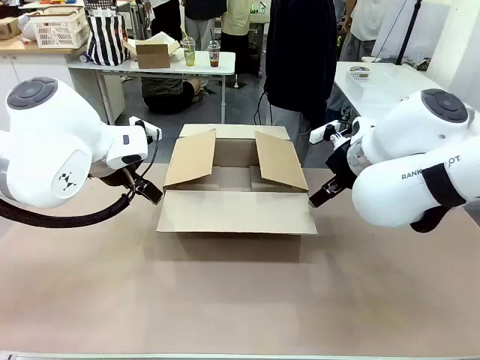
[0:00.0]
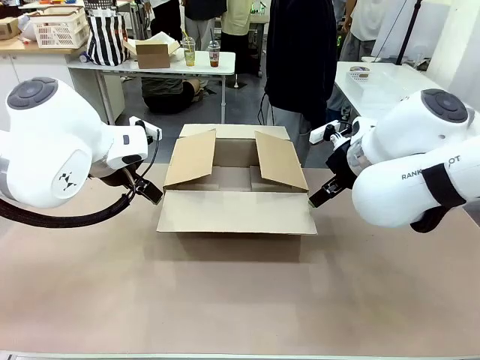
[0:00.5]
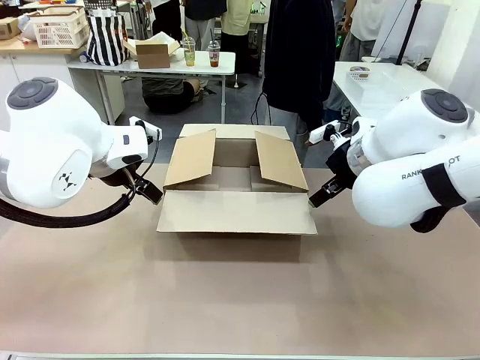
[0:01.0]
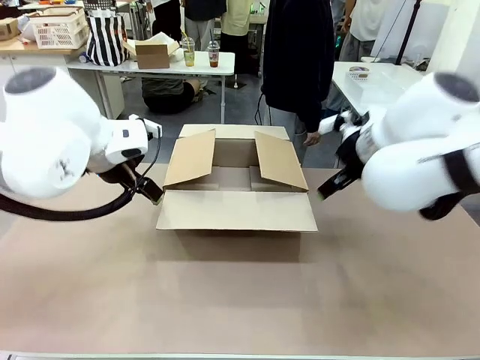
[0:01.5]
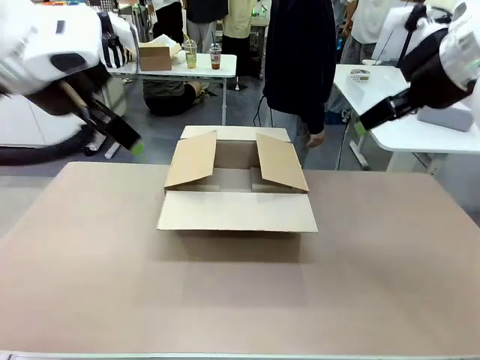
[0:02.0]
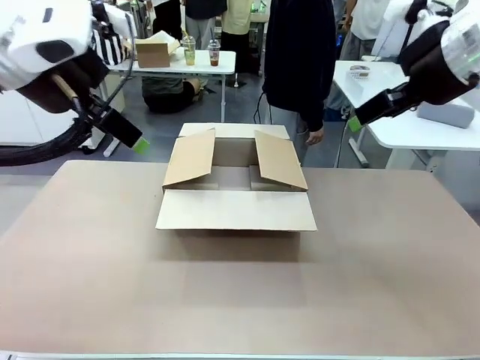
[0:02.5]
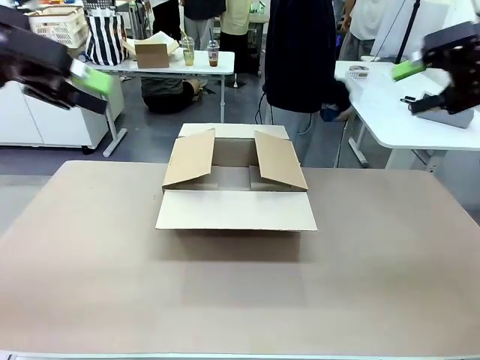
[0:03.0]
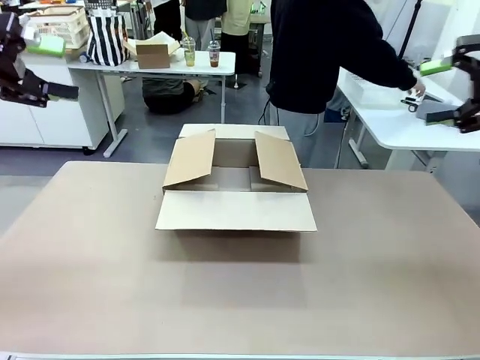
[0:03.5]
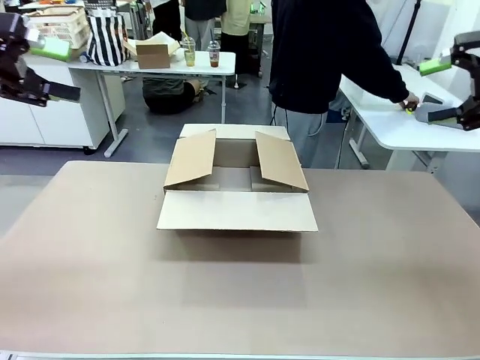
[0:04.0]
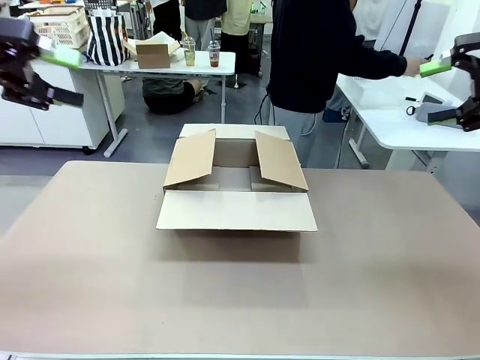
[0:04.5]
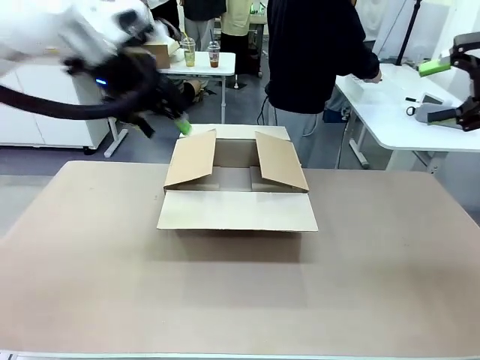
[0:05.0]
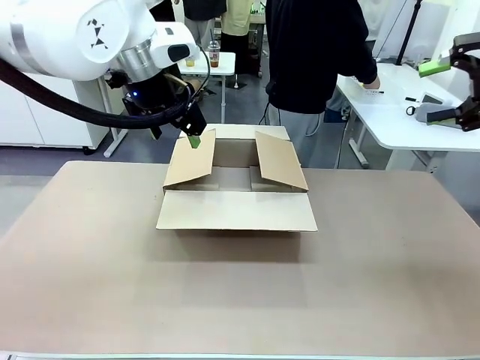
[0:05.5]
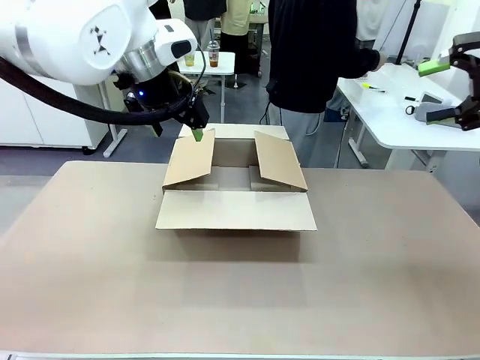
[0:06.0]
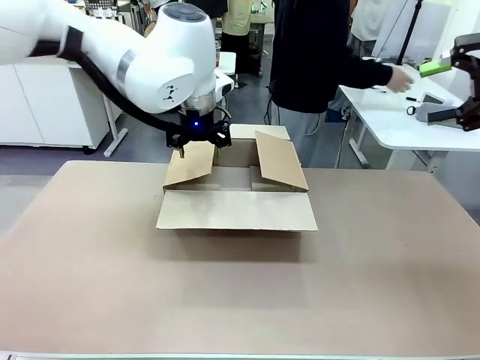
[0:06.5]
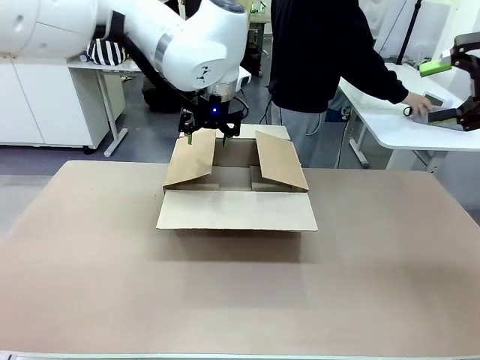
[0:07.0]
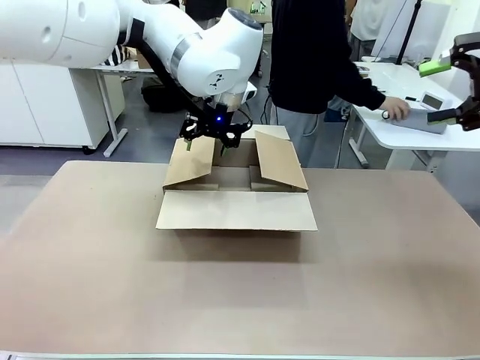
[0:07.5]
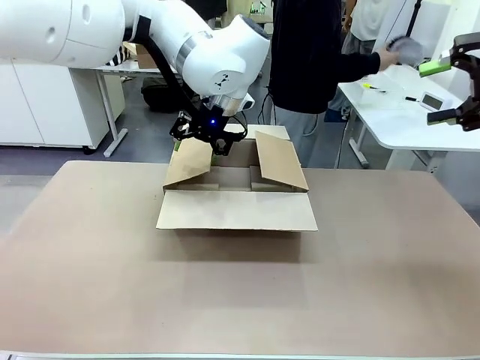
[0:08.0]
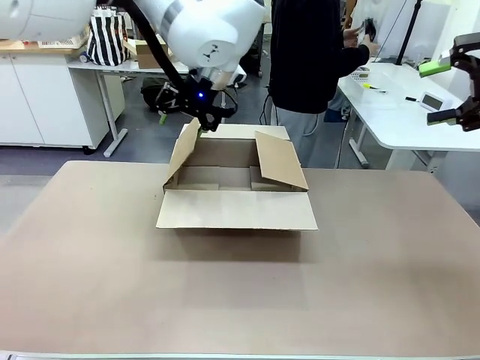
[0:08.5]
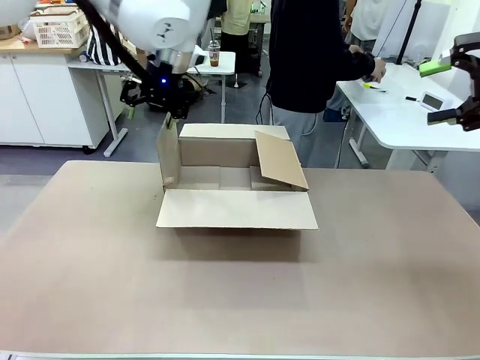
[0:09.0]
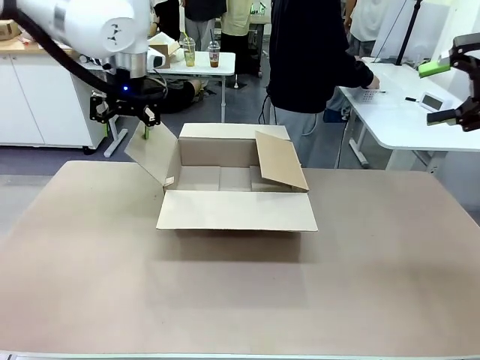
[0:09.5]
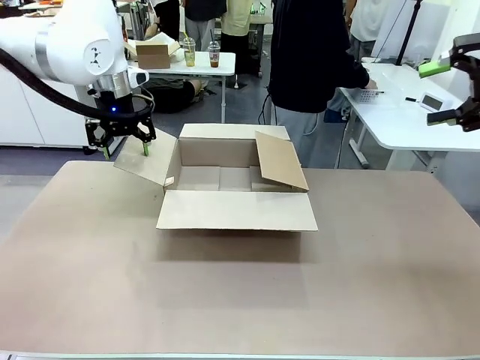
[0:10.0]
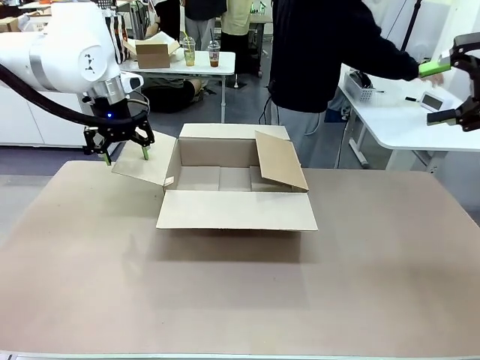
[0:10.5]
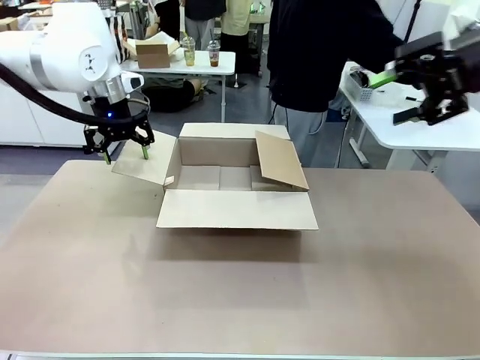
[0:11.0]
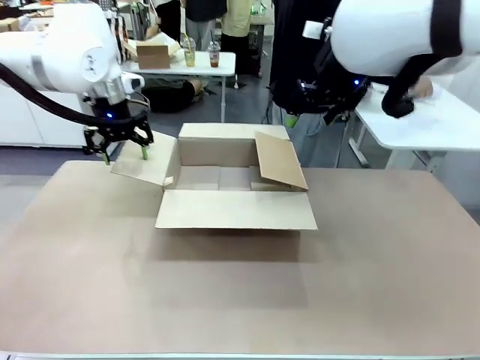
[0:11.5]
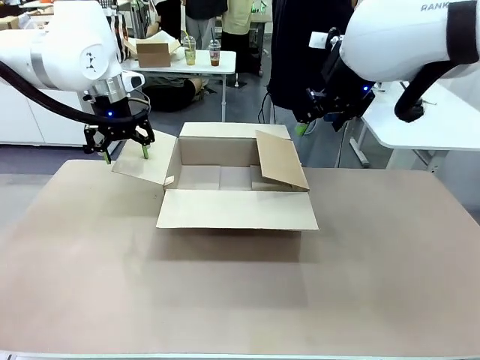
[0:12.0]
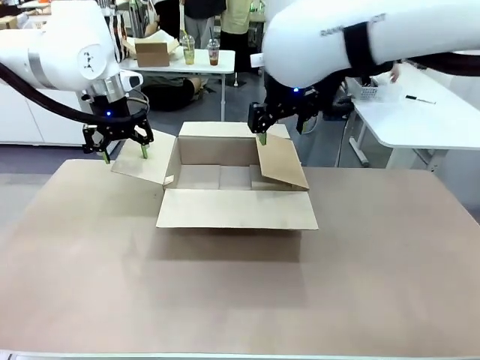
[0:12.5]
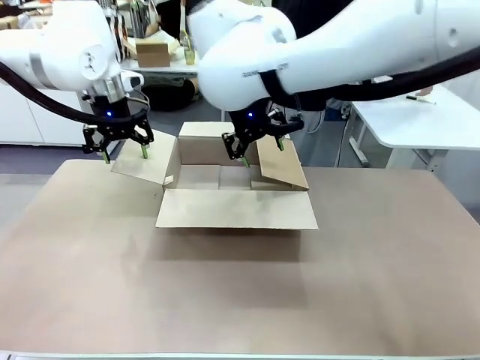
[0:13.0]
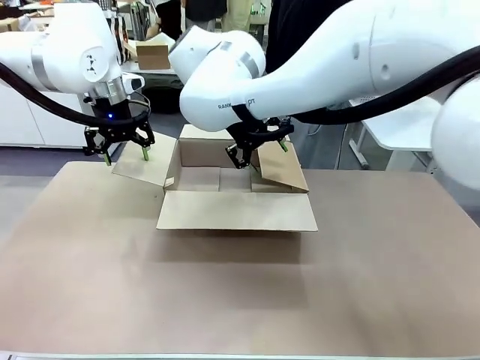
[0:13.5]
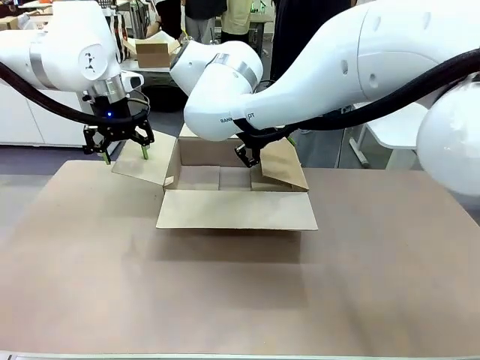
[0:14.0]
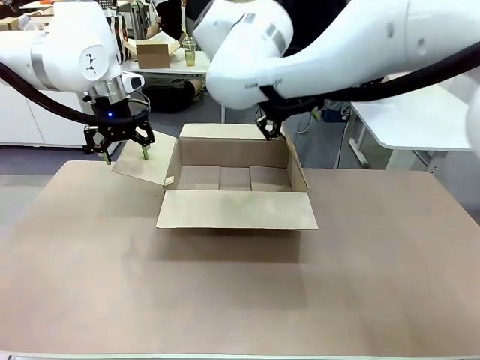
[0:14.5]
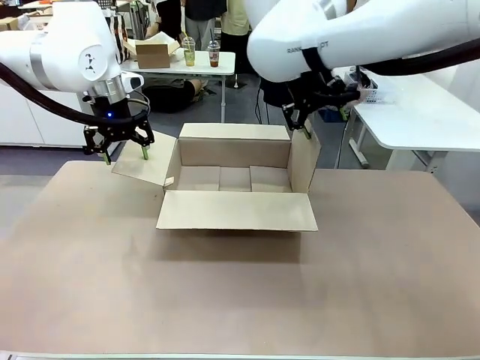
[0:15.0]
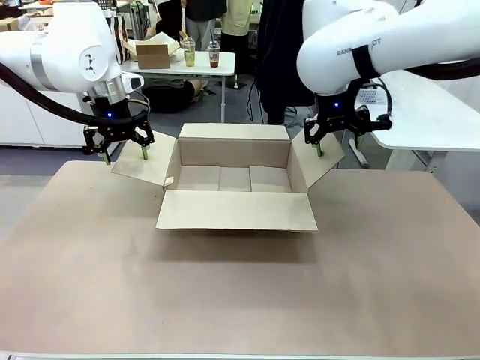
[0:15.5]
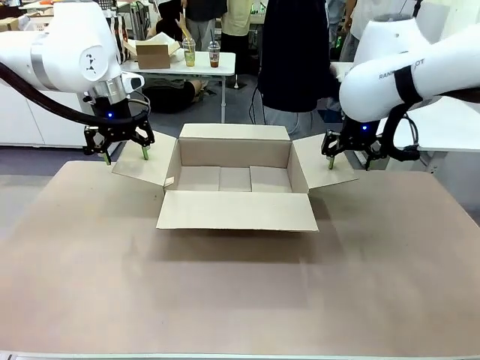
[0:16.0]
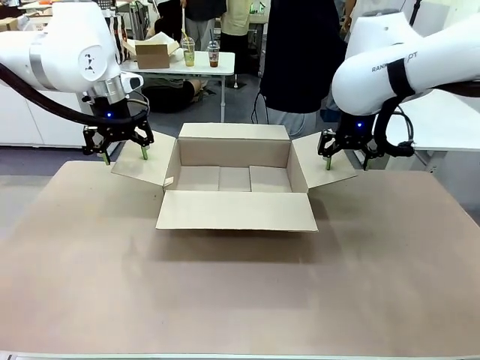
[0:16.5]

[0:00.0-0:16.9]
Task: Pack the gift set into the box.
Robot: Place both hands on the side flaps of the Package Box and spread them outward.
Person: The human places all items except the paper tape into the organizing basket.

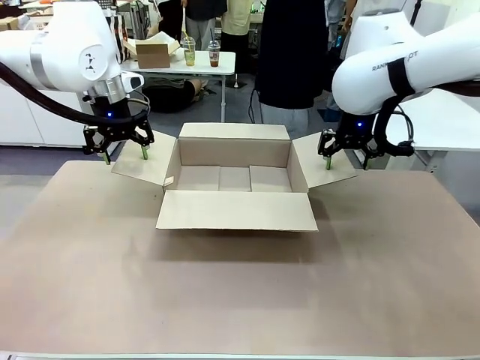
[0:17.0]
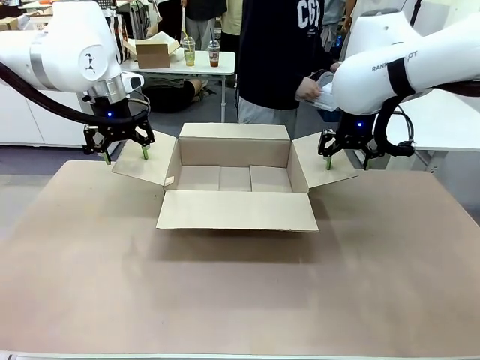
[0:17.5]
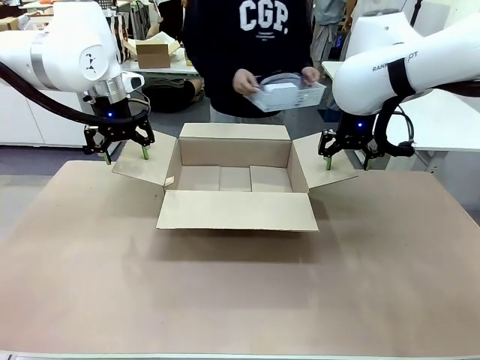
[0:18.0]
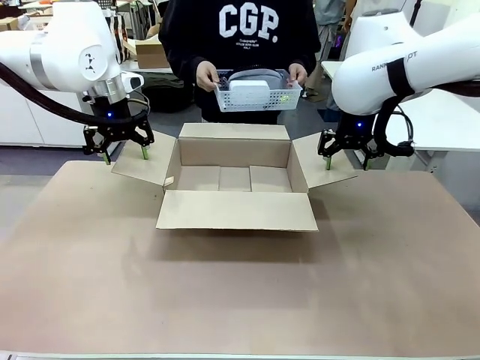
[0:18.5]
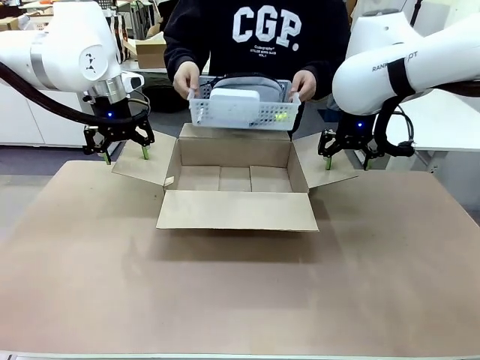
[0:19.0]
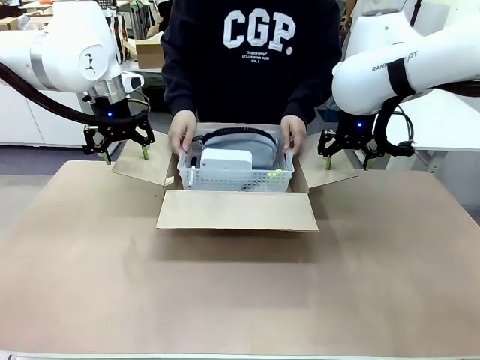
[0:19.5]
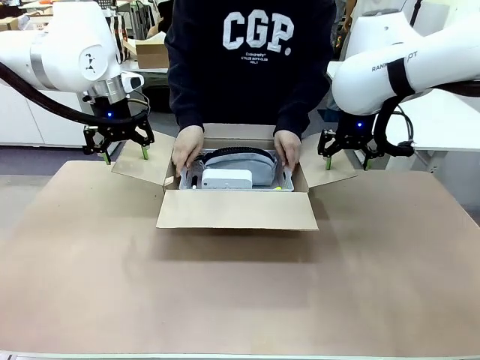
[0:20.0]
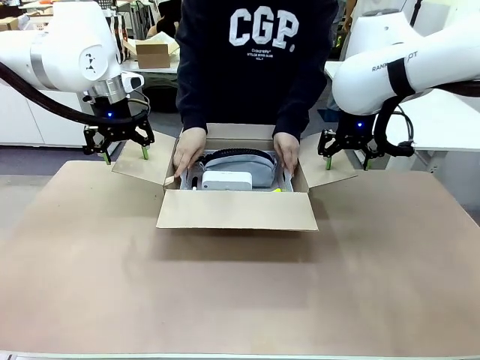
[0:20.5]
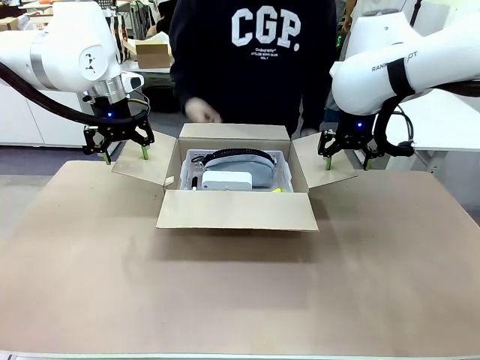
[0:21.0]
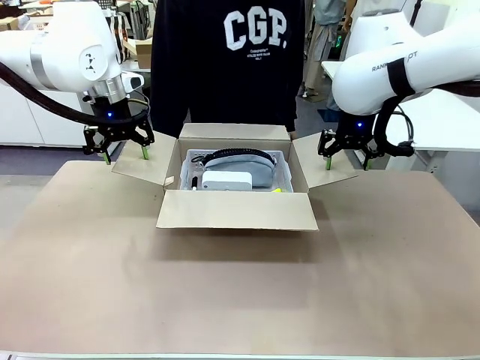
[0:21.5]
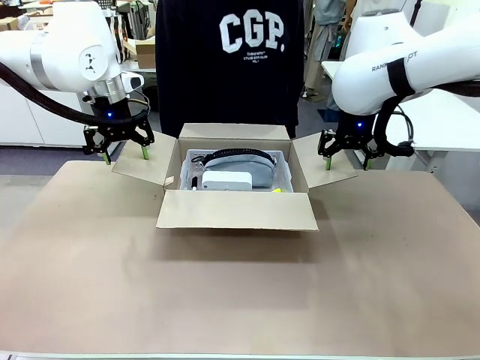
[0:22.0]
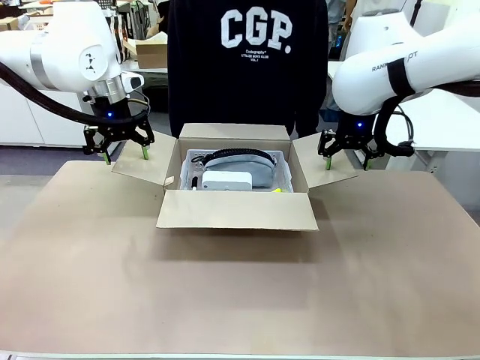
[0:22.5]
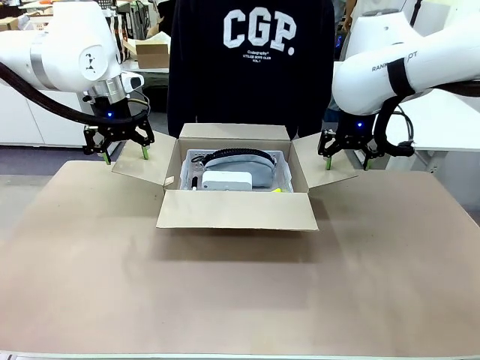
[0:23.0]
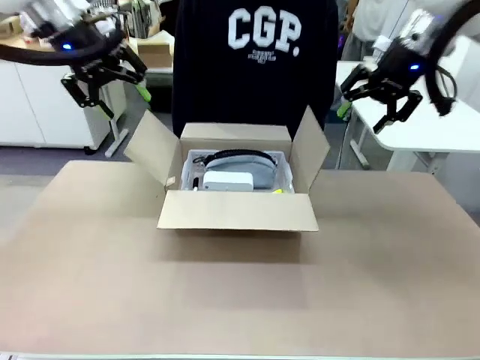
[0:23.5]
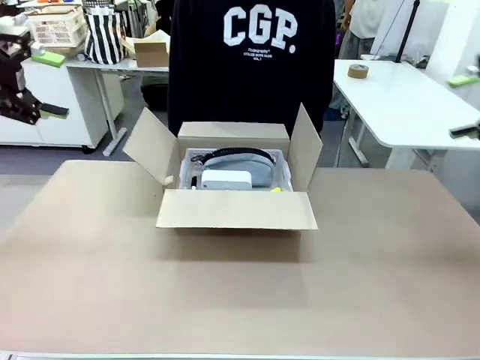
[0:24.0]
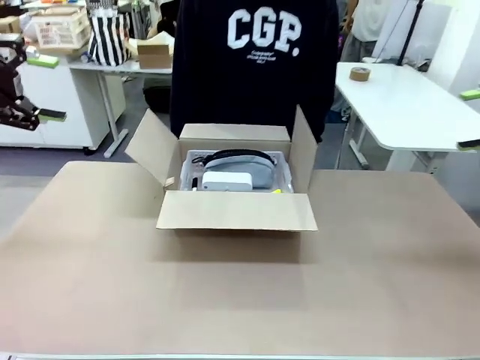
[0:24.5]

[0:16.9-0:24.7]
Robot: Lift both hands away from the flaps of the Package Box.
Person: The human picks up the organizing basket and places the organizing basket into the package box on the robot table.

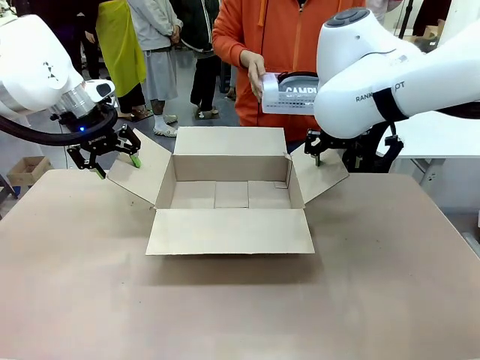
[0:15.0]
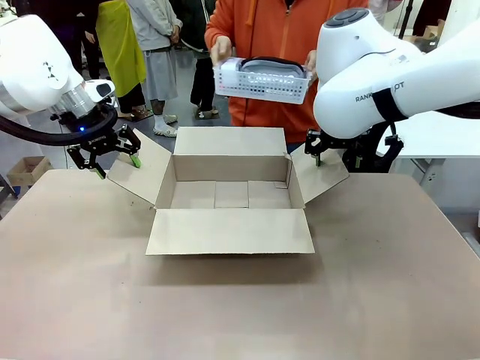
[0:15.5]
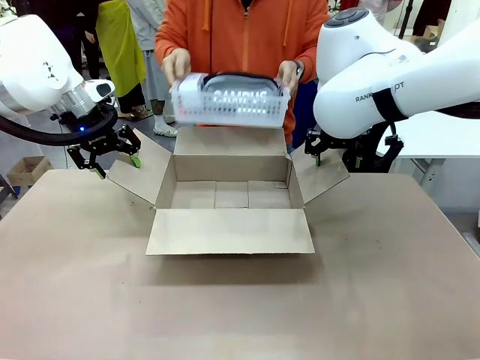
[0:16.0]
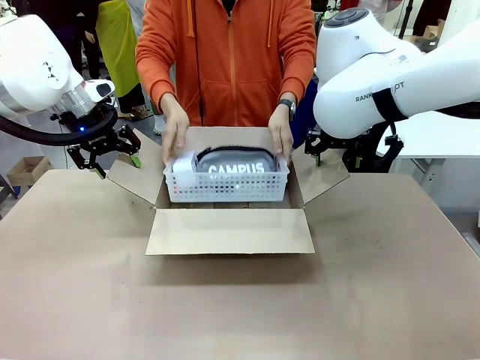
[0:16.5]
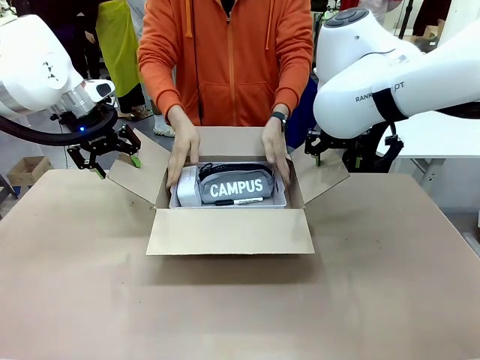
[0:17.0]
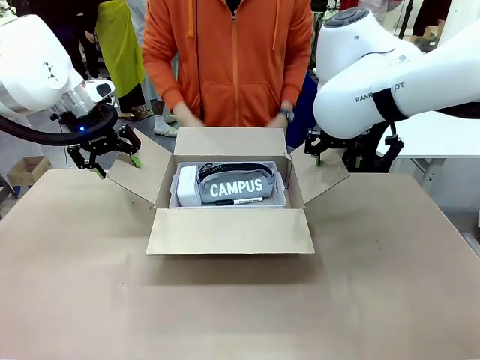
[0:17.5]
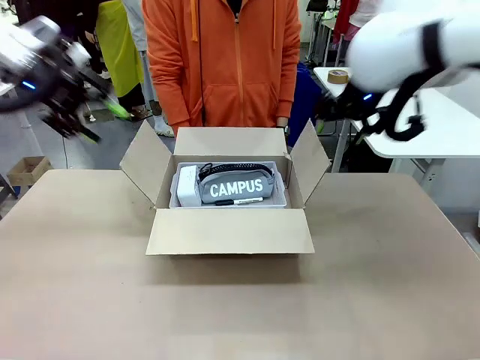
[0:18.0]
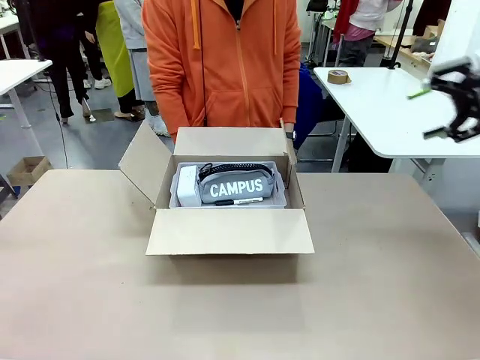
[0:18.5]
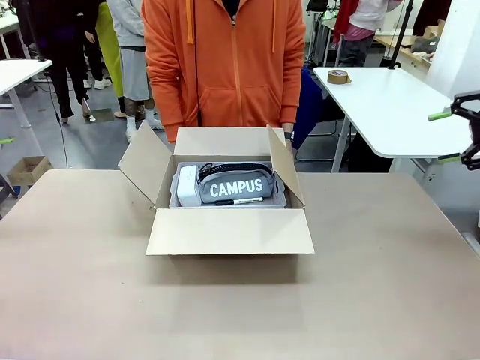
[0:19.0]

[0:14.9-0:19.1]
Task: Pack the gift set into the box.
Robot: Lift both hands away from the flaps of the Package Box.
Person: The human picks up the organizing basket and places the organizing basket into the package box on the robot table.
